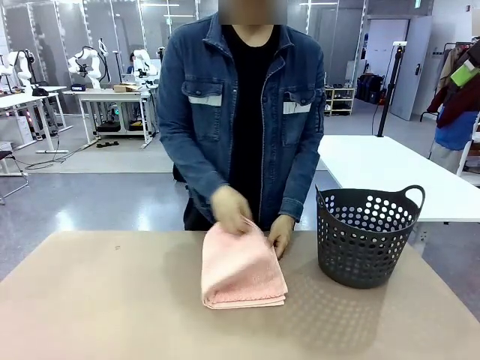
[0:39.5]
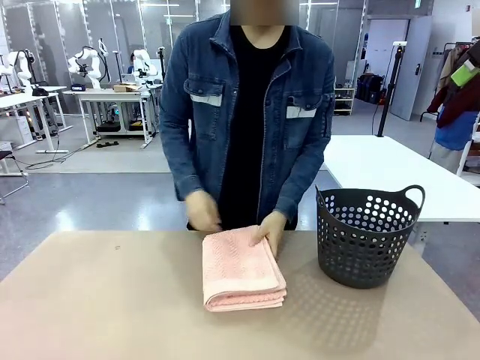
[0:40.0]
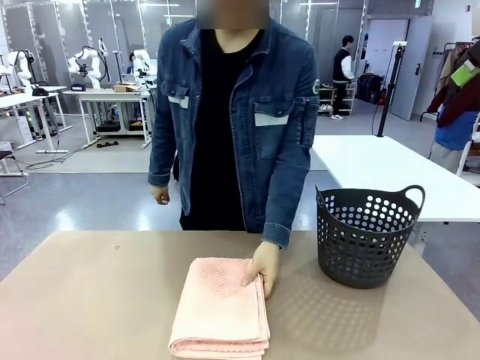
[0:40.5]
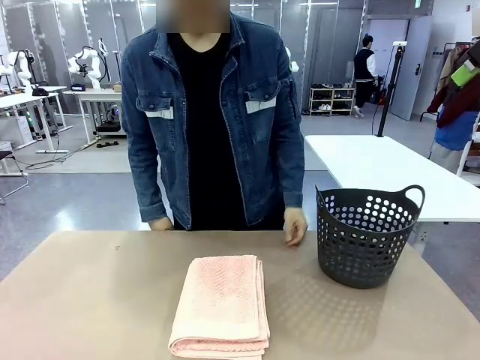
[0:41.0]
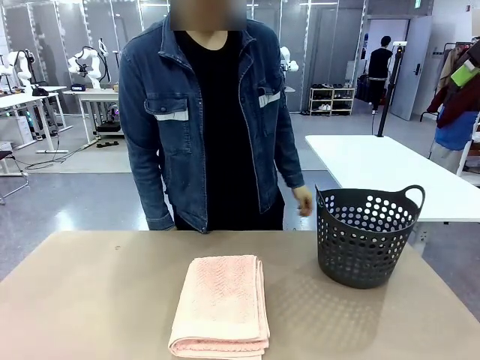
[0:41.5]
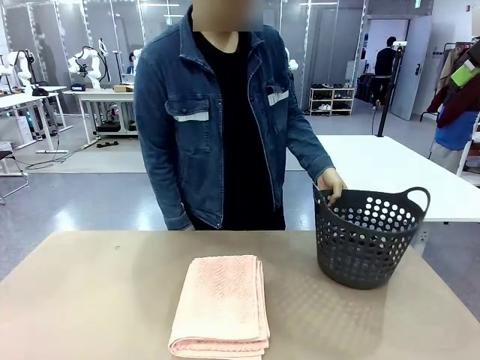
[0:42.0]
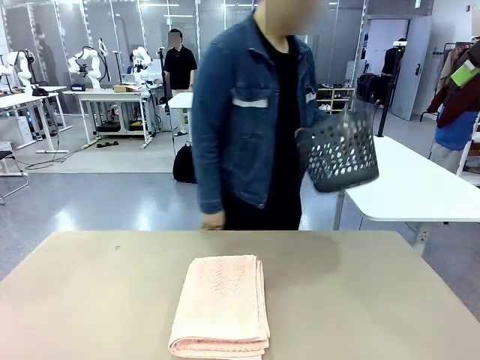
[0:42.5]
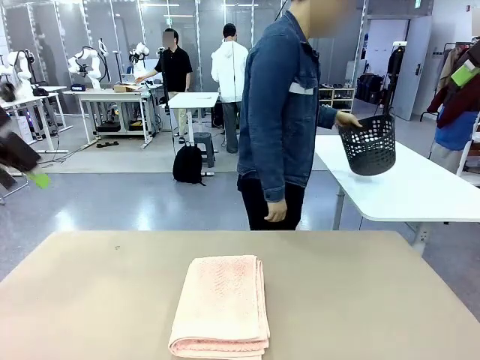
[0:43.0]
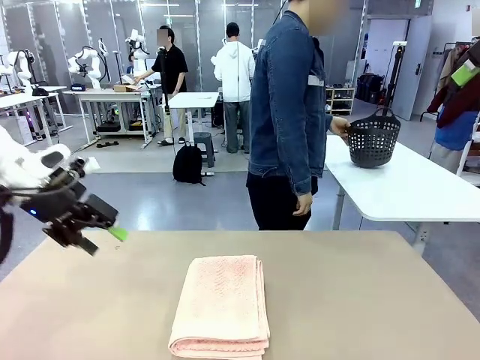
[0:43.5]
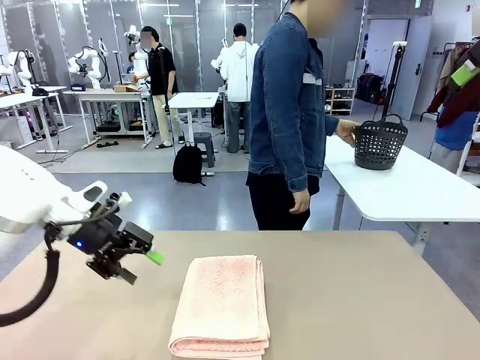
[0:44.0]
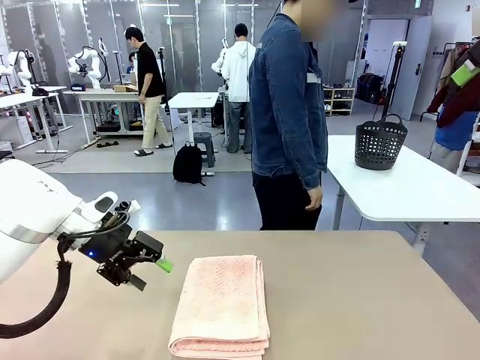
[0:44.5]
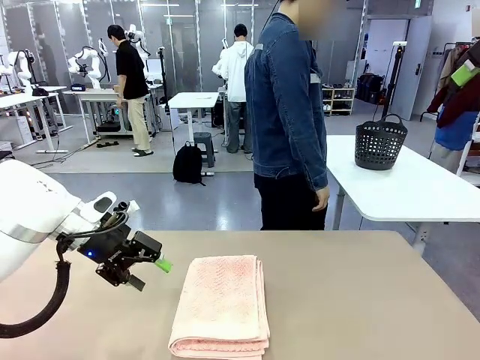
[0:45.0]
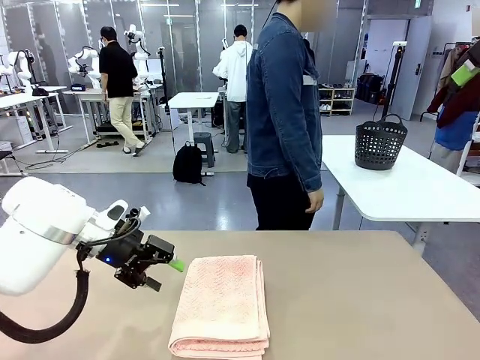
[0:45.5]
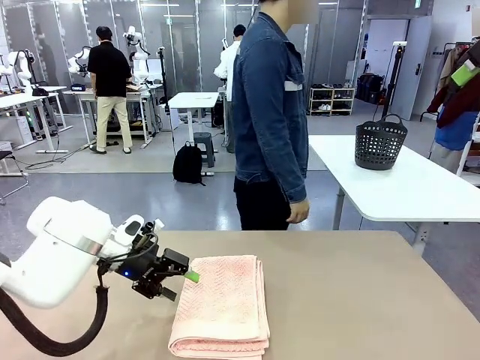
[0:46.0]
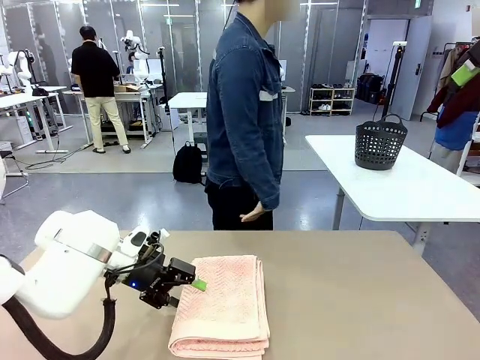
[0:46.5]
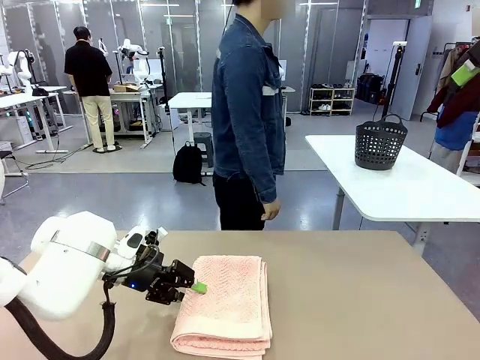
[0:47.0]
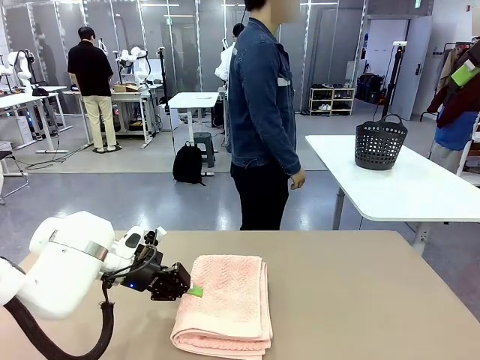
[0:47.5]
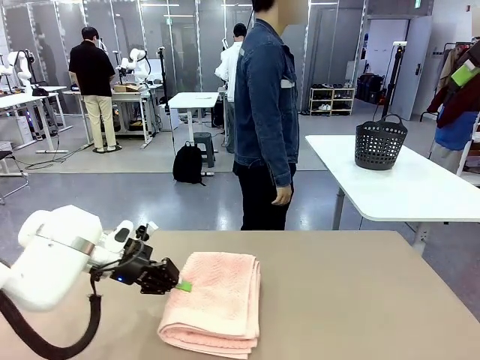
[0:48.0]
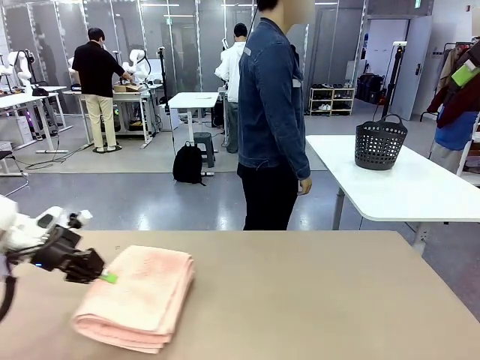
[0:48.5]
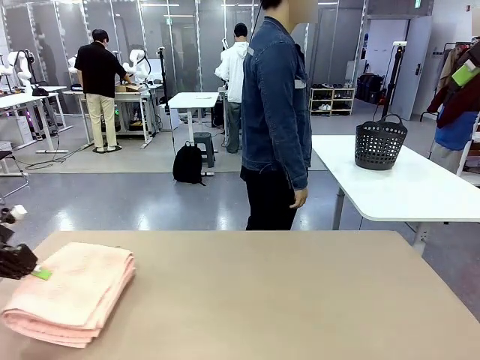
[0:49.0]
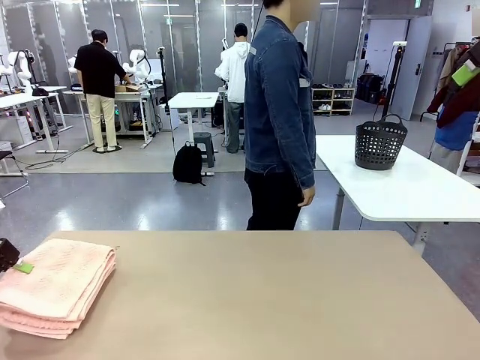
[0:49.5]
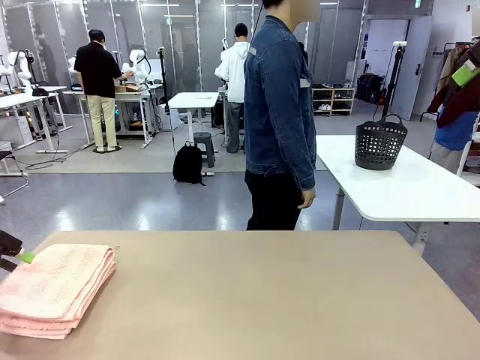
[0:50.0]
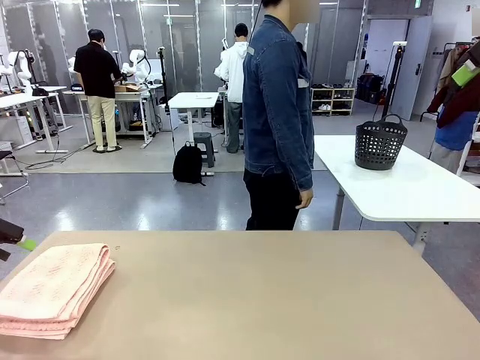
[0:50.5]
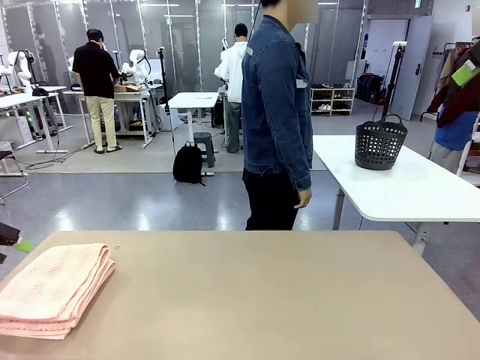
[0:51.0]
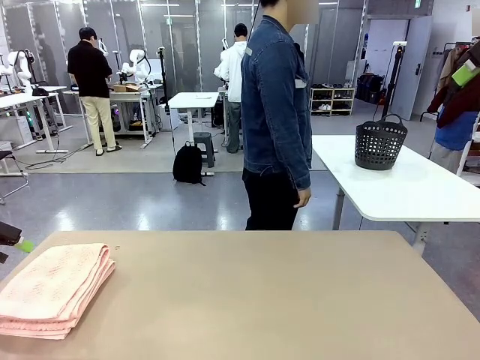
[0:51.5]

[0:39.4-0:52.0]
Task: Fold the towel.
Robot: Pick up the 100 cm Hotel Towel and place it on the left side of the table.
Person: Pick up the laundry basket and place it at the center of the human table.

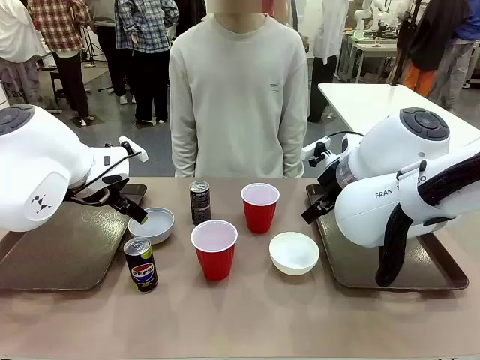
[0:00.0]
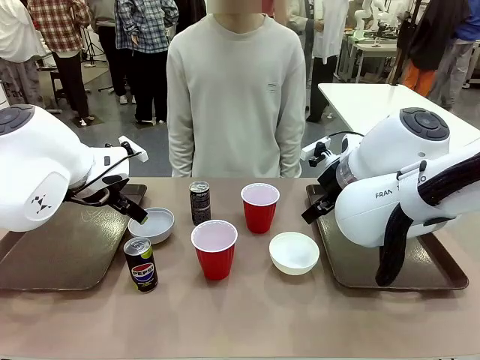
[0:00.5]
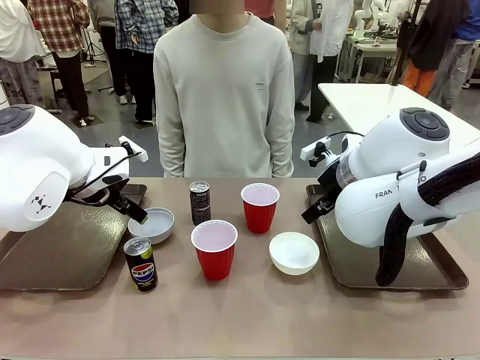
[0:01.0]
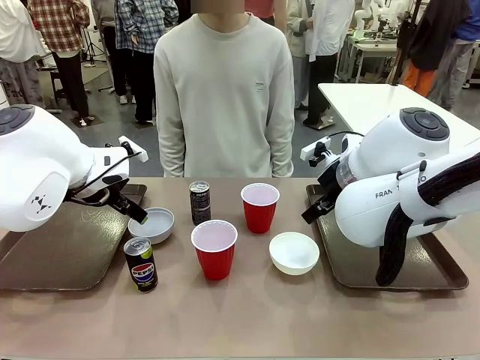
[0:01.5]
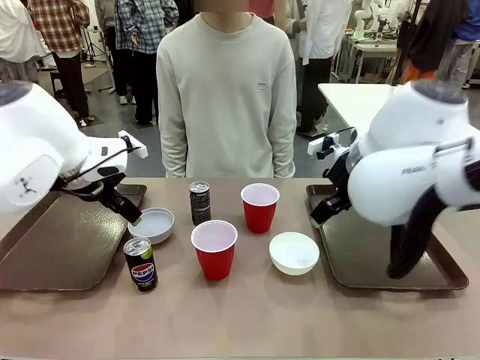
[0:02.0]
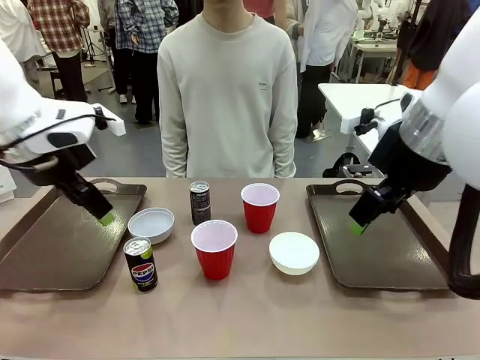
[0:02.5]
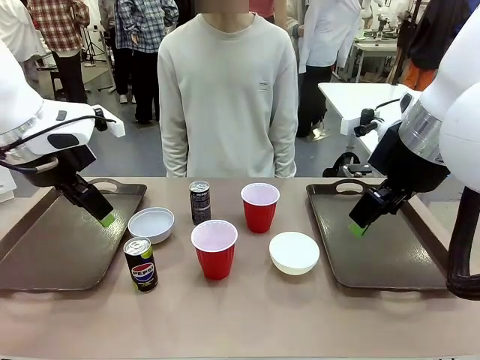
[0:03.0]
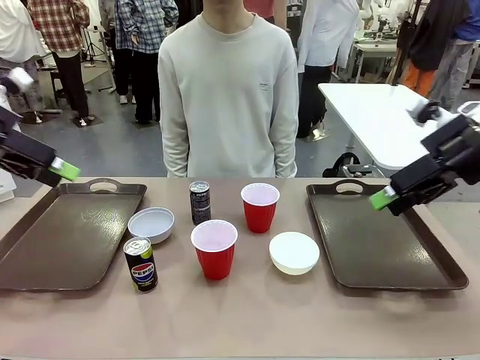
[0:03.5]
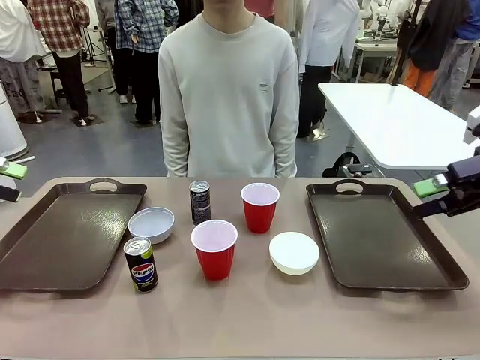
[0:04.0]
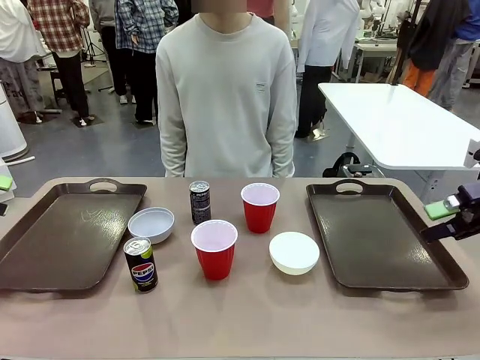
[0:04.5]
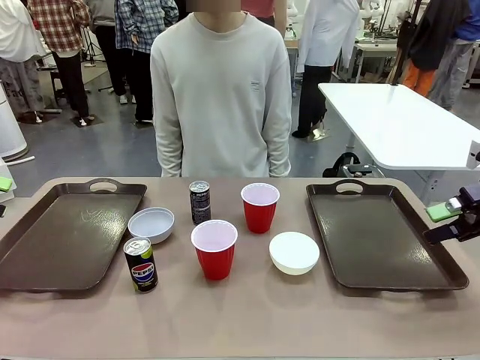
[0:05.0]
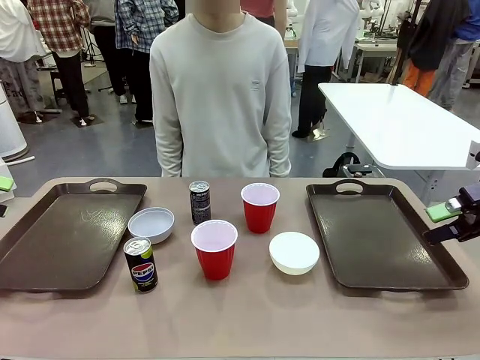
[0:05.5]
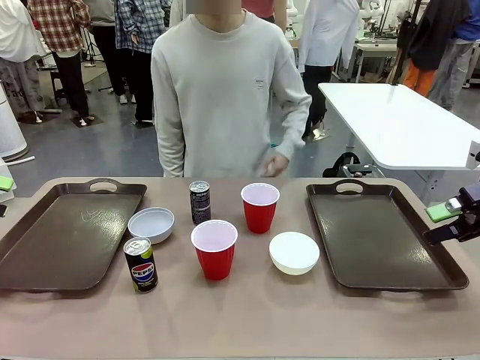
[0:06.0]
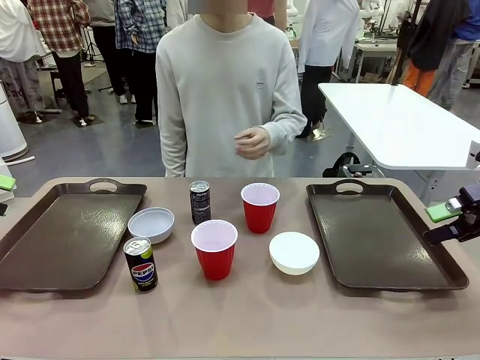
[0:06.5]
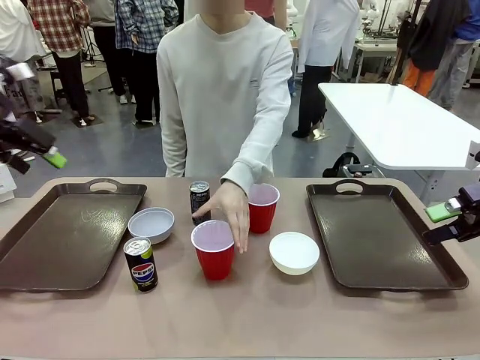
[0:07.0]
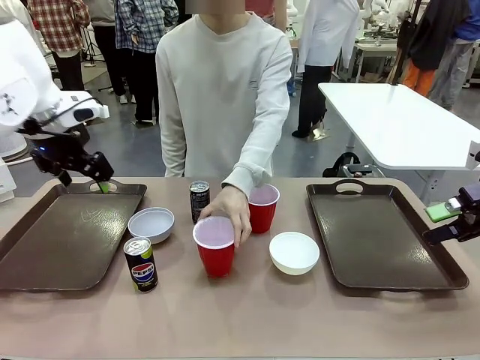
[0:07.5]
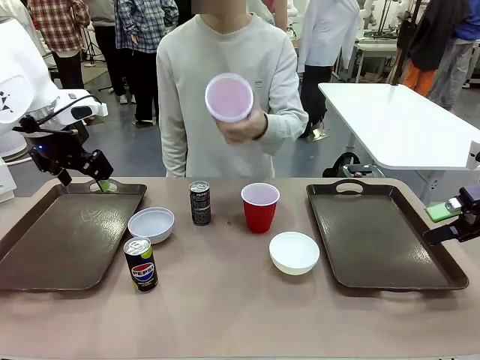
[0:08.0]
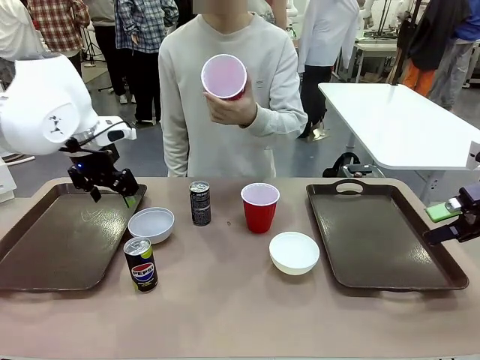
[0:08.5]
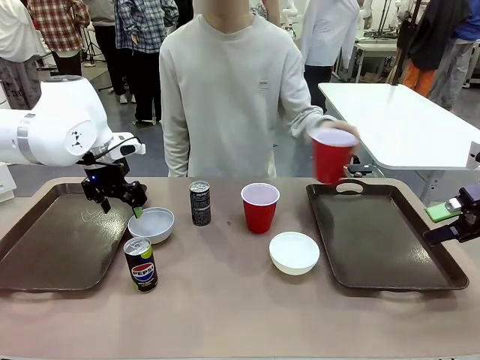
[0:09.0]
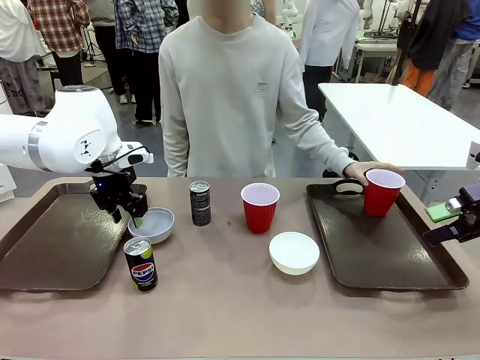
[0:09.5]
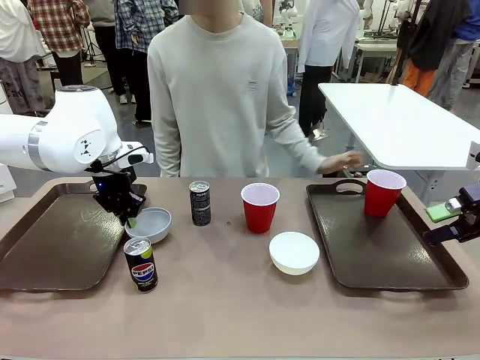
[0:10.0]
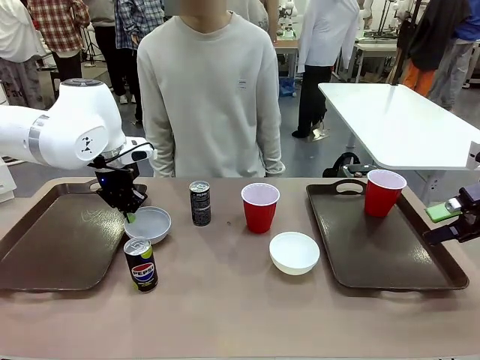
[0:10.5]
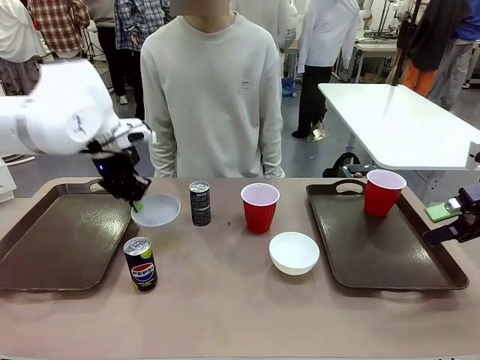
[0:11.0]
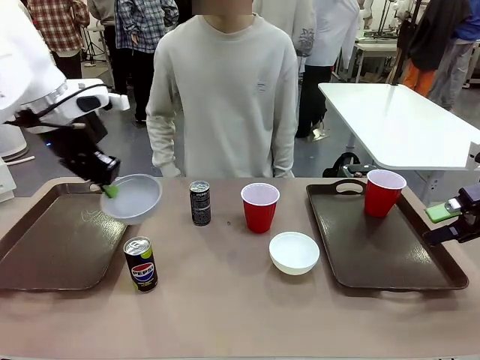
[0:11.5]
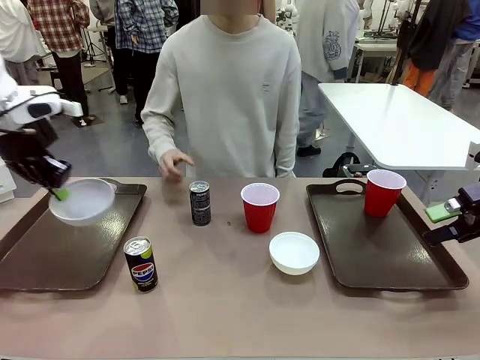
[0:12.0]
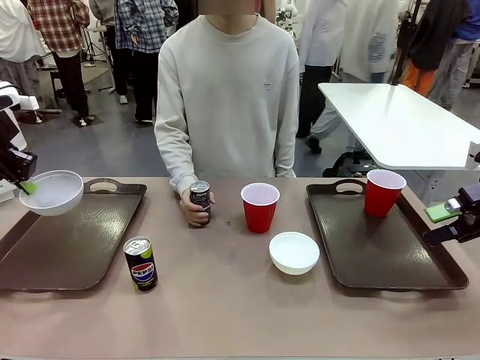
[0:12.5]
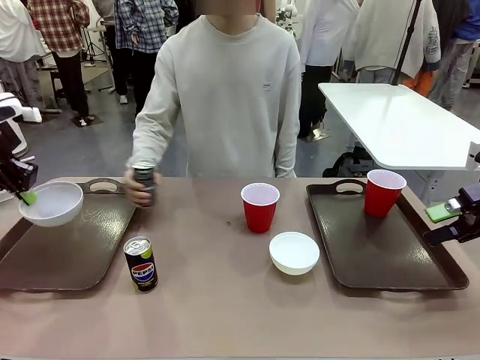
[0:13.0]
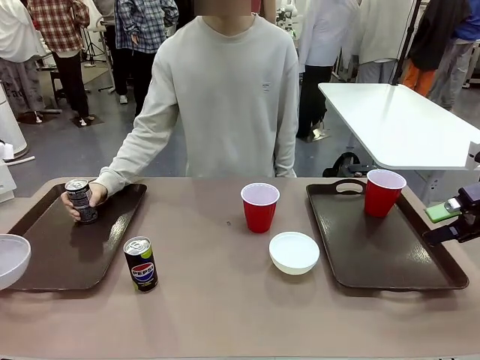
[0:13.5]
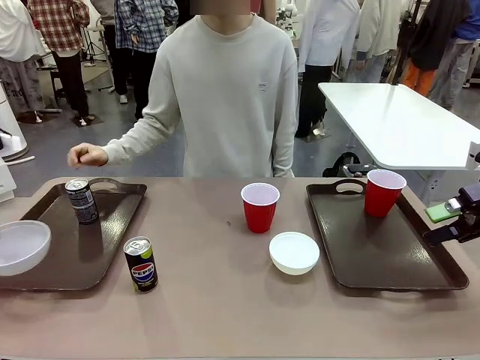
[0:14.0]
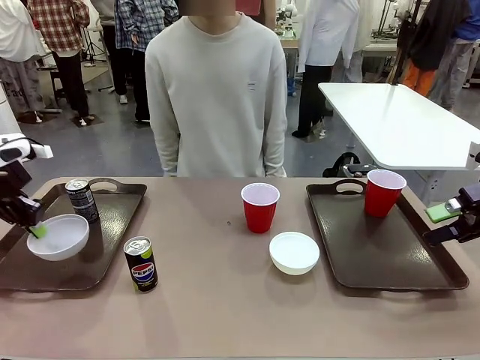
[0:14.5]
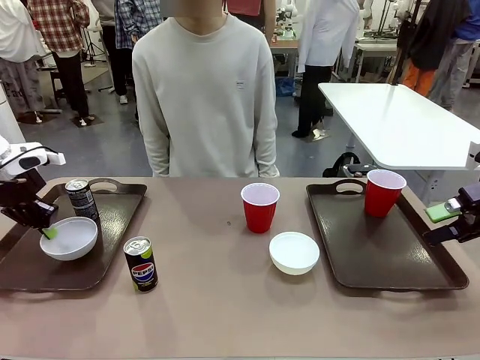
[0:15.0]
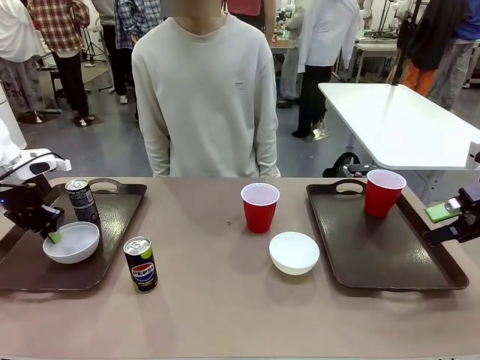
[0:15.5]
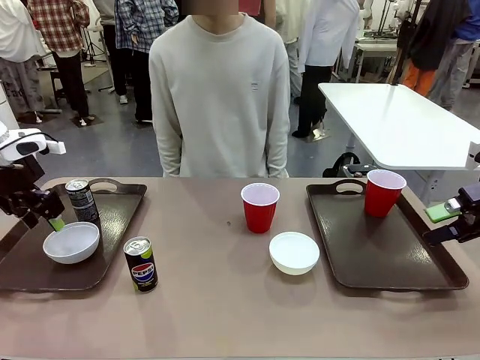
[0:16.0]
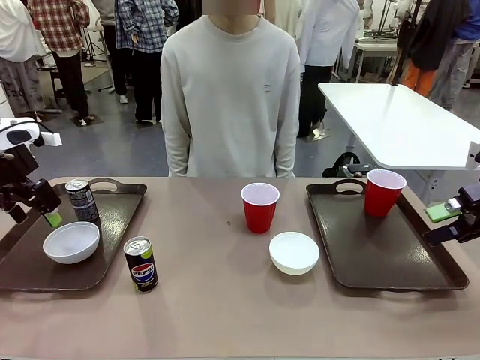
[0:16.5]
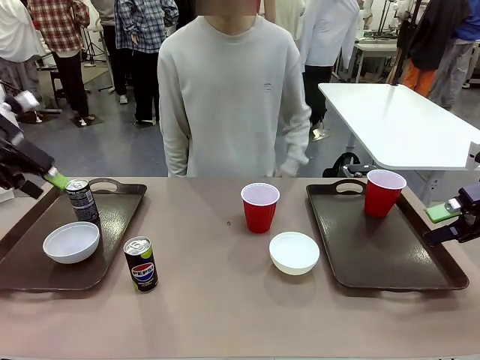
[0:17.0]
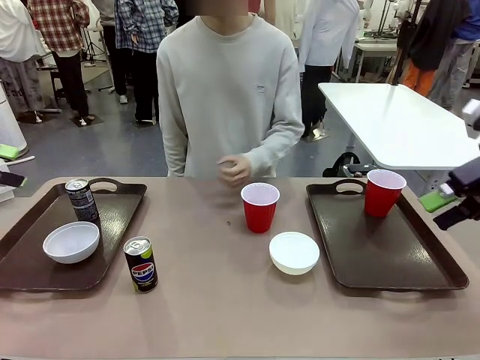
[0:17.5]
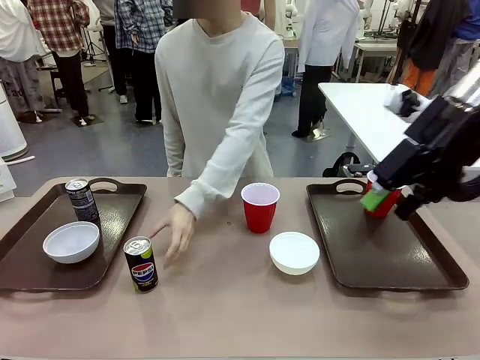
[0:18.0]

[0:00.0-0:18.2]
Task: Prepare tableware on both trays.
Robot: Pick up a Picnic Bowl from the table and place it on a Handle tray.
Person: Pick up a can or cup and place it on the tray.
